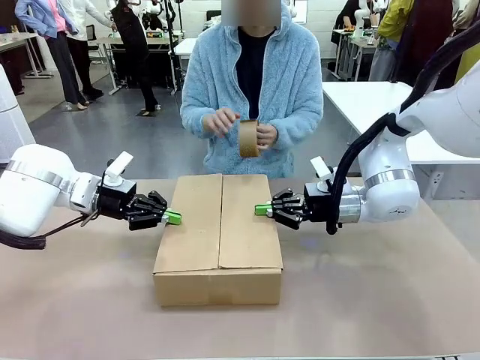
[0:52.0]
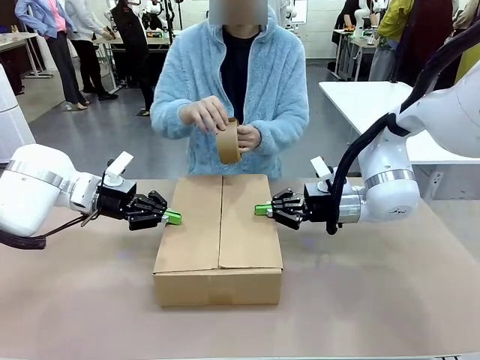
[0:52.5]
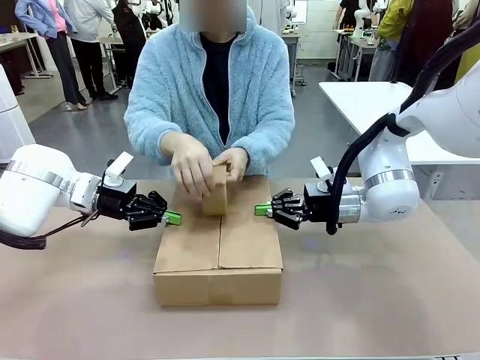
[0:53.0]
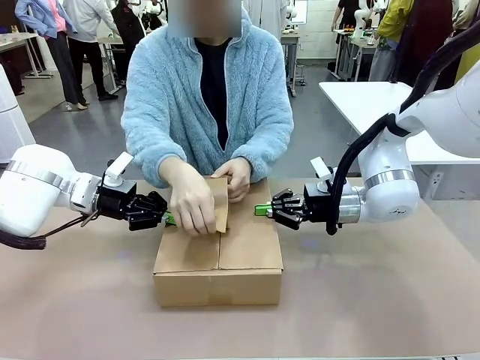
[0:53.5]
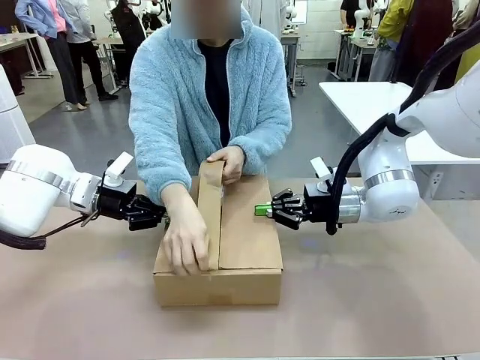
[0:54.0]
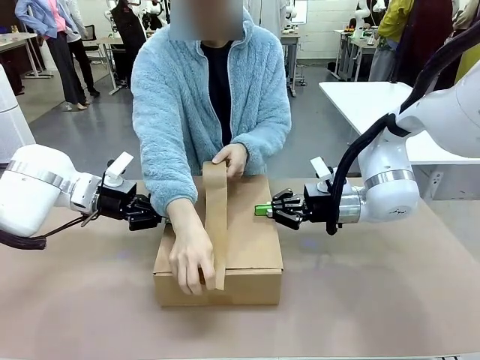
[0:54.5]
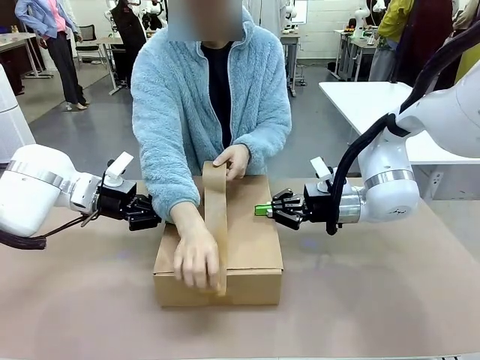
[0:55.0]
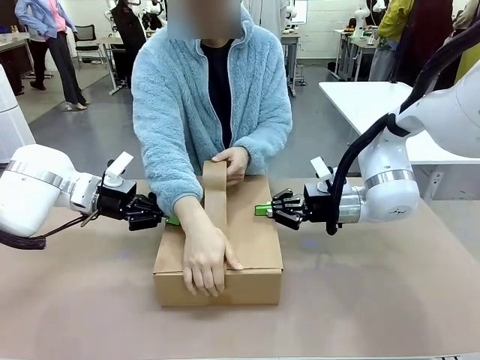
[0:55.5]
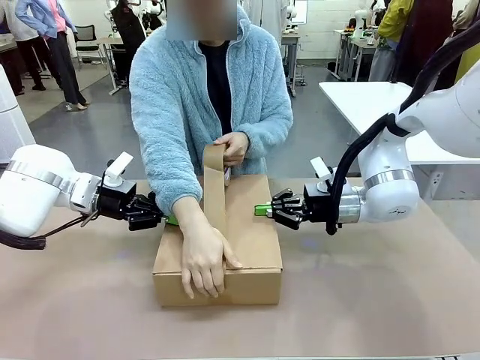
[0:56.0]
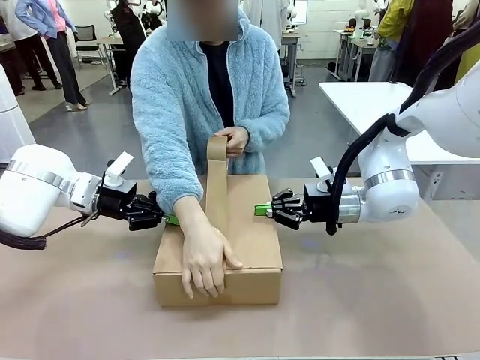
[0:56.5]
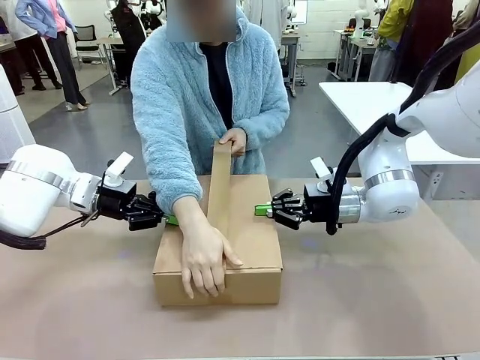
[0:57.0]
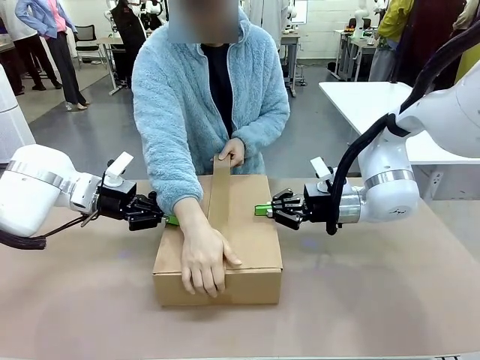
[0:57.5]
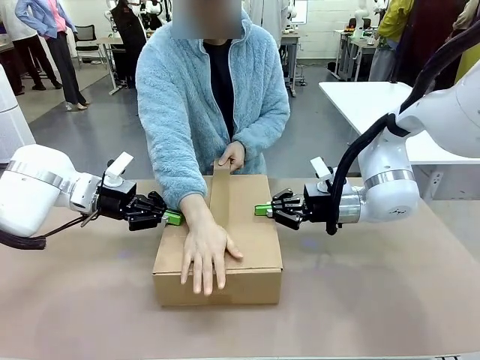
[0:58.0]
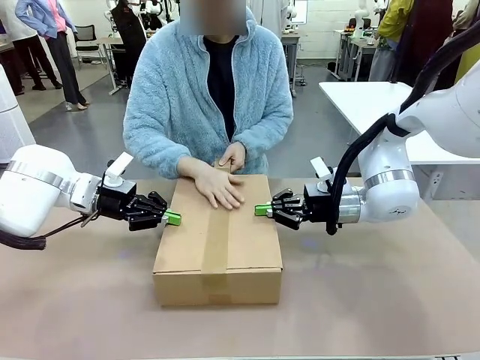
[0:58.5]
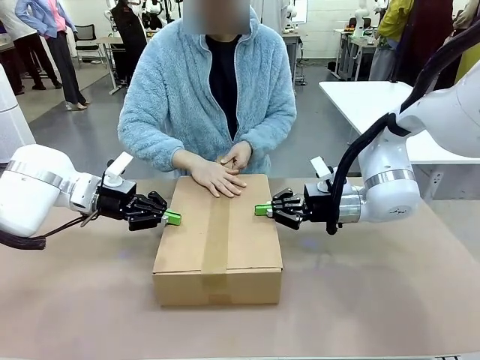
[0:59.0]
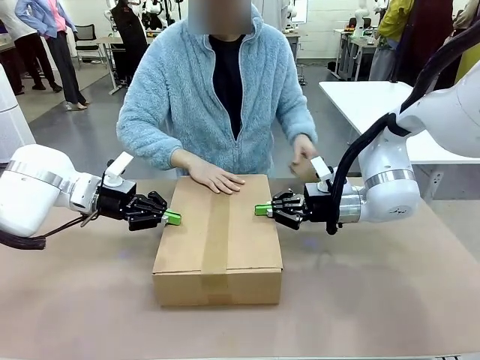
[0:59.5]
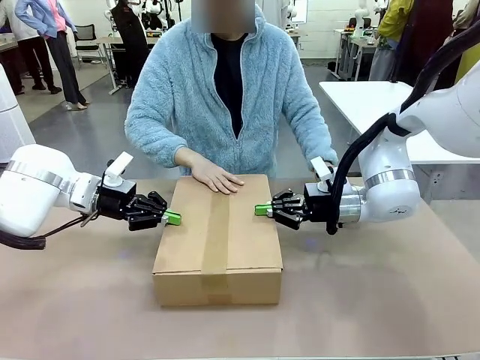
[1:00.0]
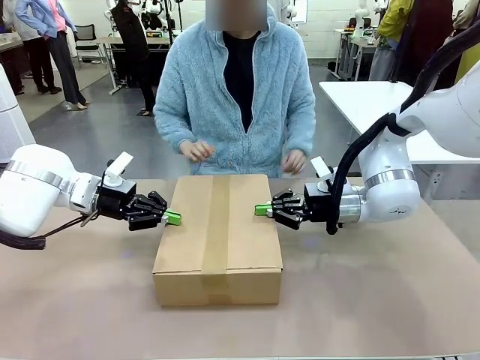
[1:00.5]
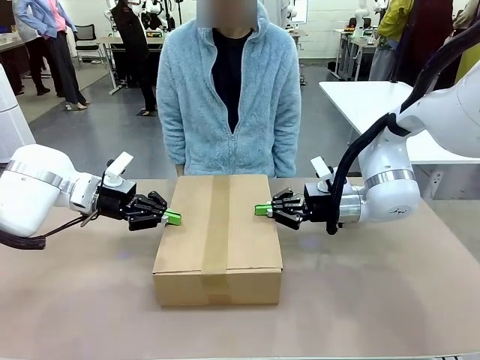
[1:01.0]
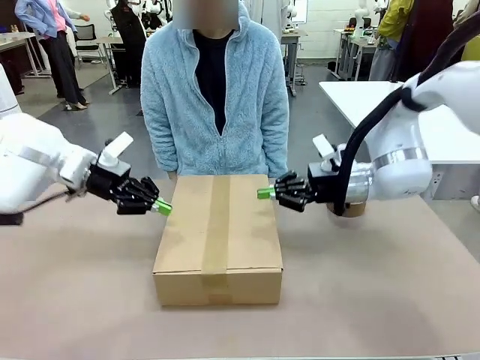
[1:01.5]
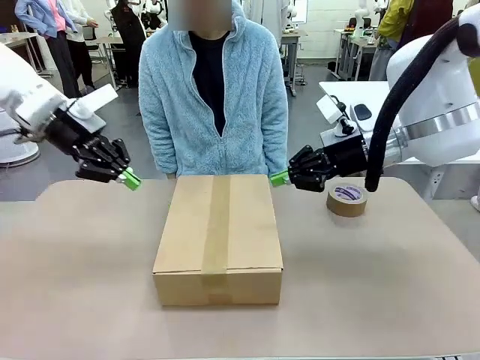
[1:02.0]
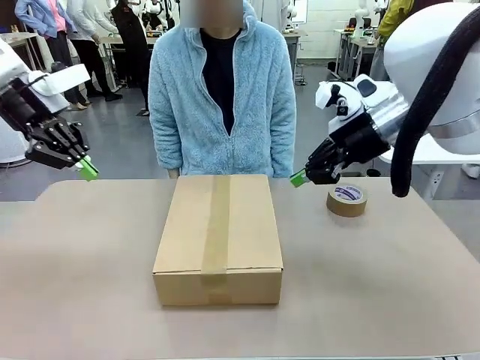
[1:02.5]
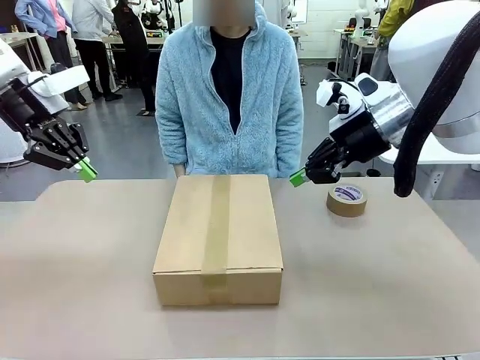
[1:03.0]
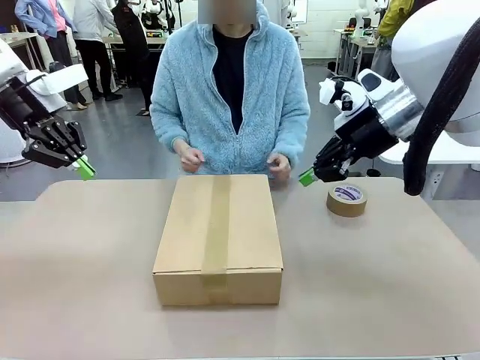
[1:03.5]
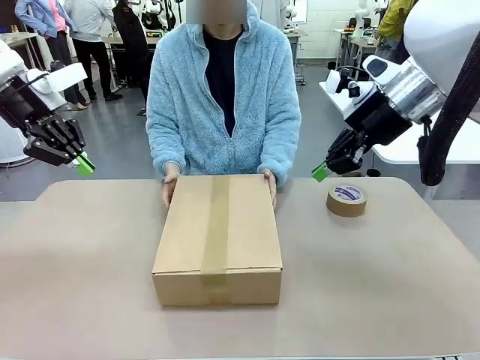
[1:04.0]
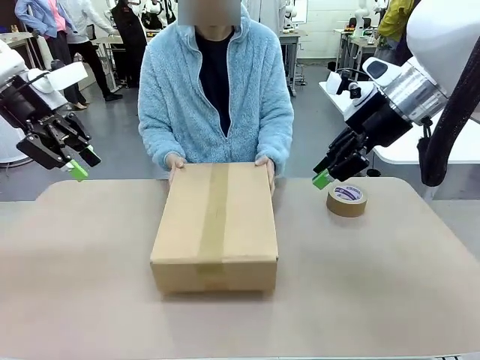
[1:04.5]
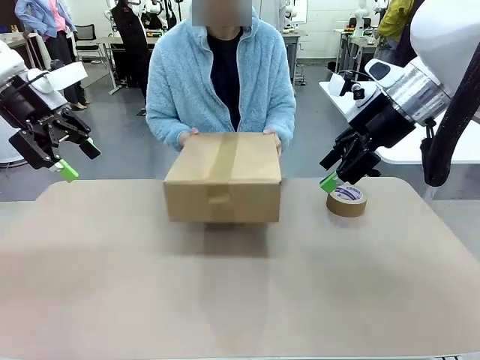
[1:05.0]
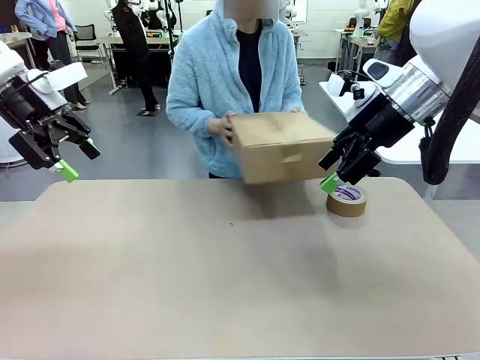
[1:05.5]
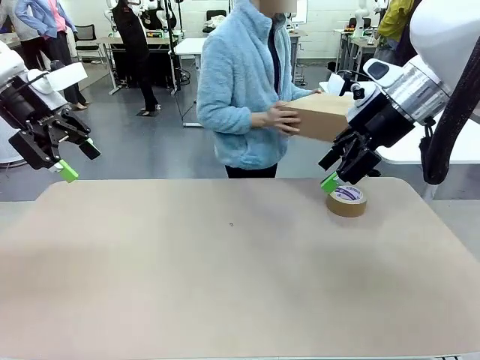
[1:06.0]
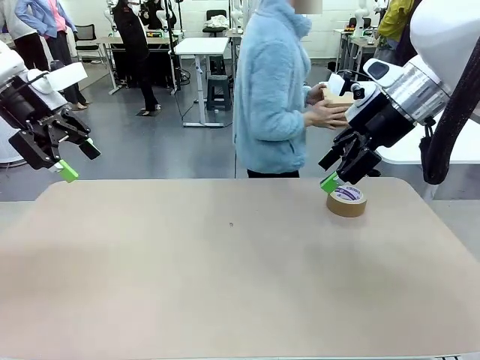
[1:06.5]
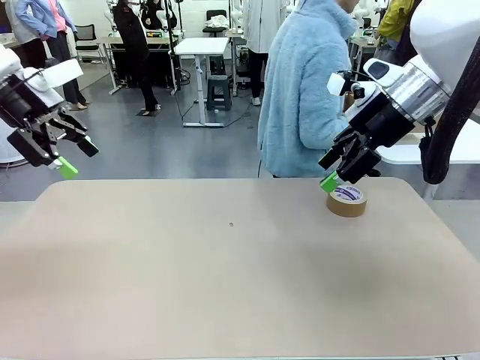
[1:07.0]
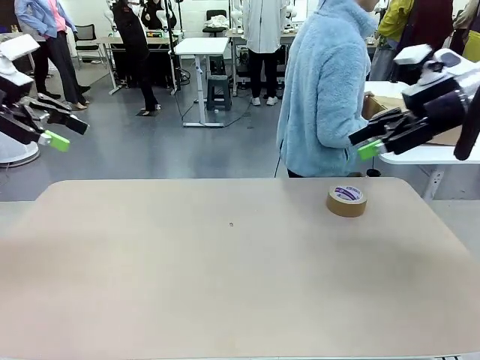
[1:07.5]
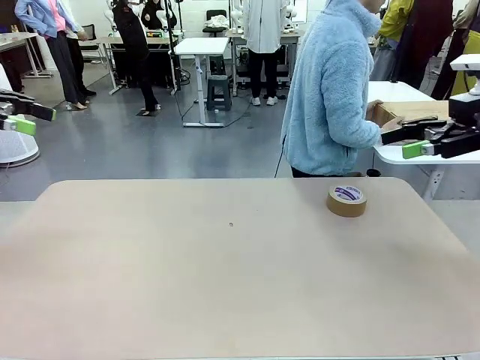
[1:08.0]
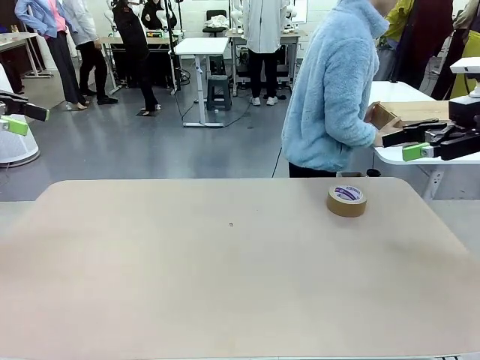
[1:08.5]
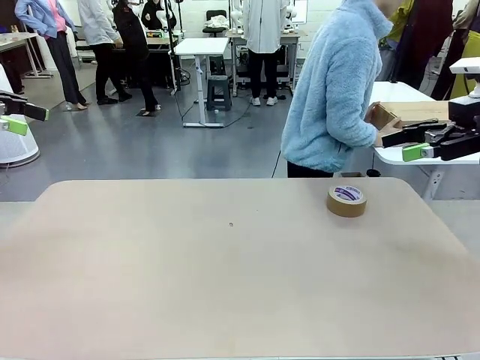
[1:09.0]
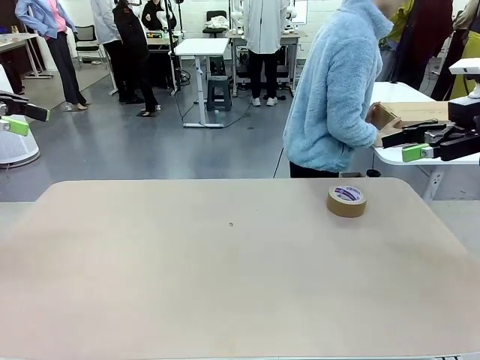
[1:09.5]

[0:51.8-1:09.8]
Task: Wrap the clocks to prevent damage.
Robot: After the human seals the box with tape, release both hands from the side flaps of the Package Box.
Person: Once the robot closes the left flap of the Package Box , seal the box with Paper Tape. Place sealed Package Box in the middle of the human's table.

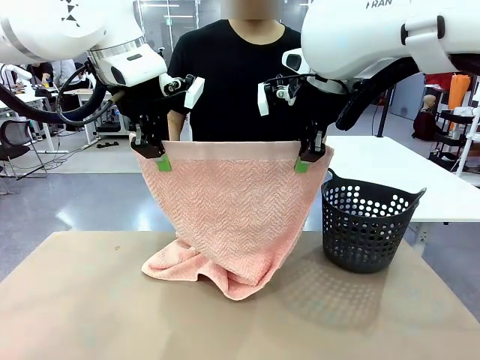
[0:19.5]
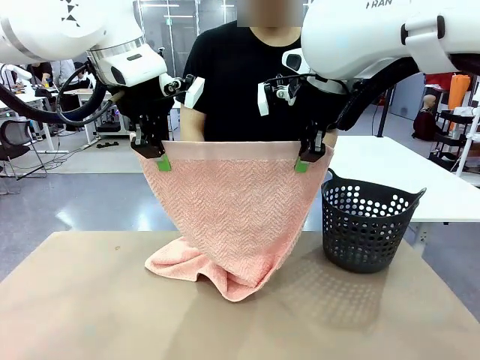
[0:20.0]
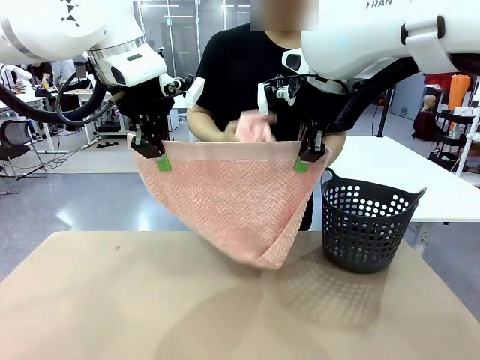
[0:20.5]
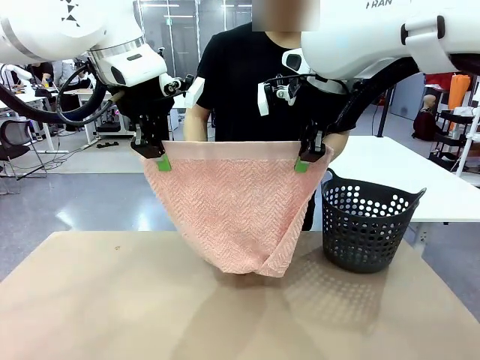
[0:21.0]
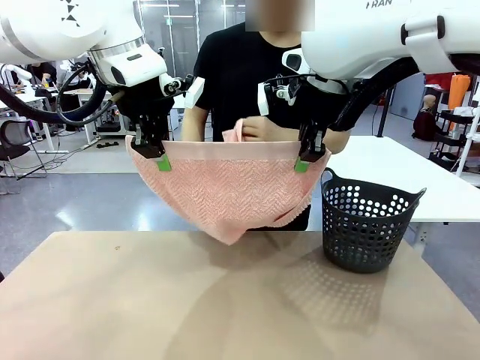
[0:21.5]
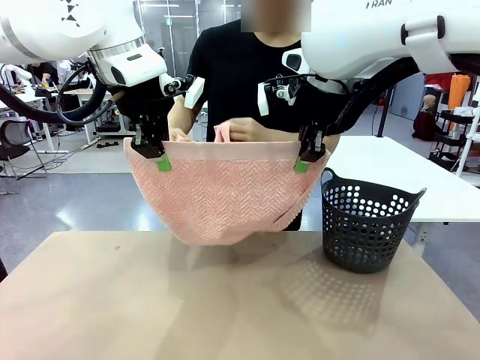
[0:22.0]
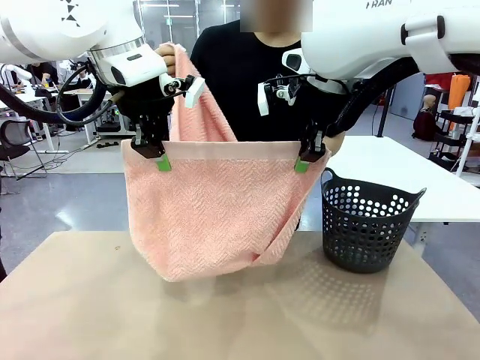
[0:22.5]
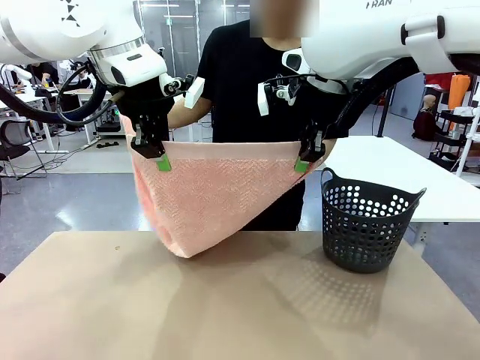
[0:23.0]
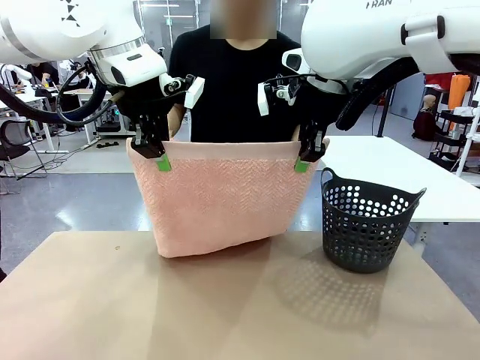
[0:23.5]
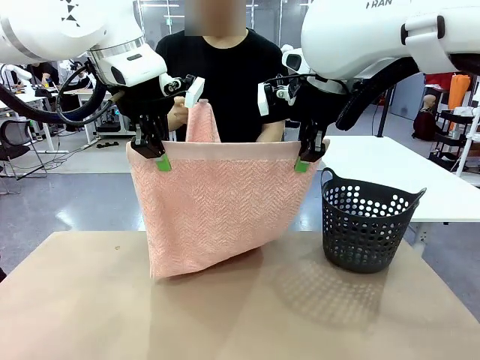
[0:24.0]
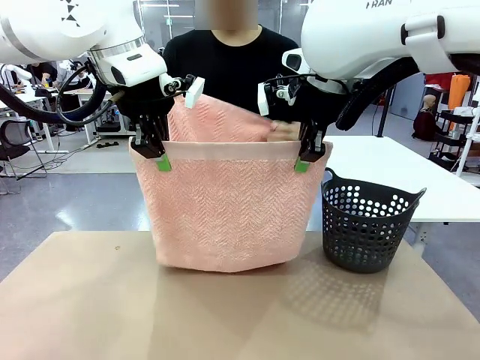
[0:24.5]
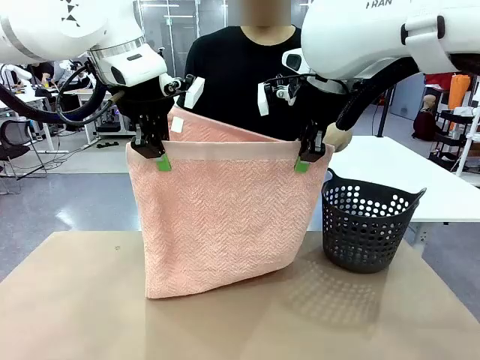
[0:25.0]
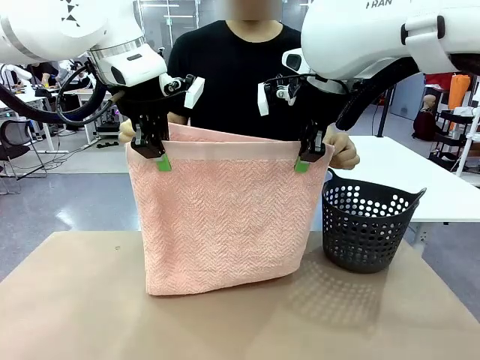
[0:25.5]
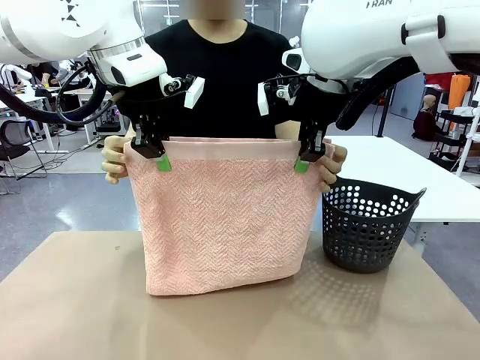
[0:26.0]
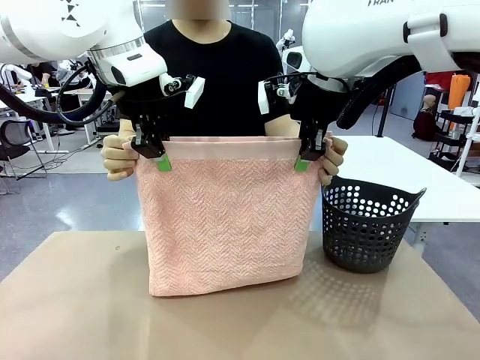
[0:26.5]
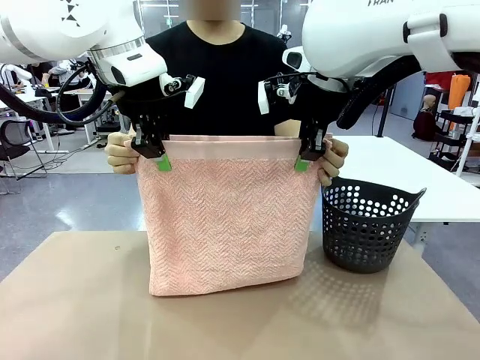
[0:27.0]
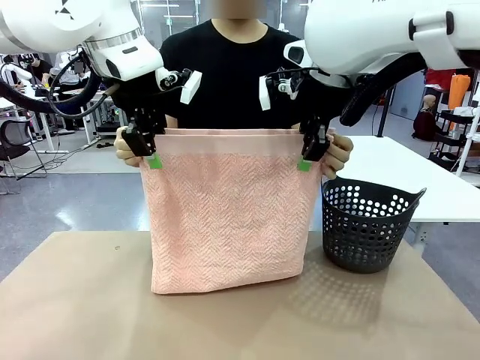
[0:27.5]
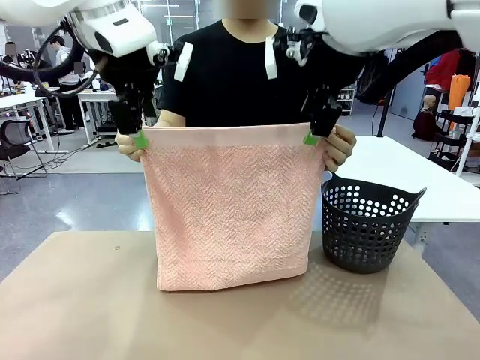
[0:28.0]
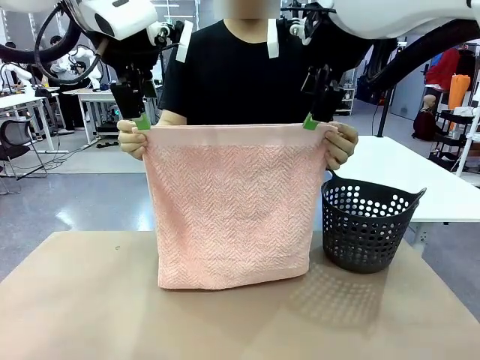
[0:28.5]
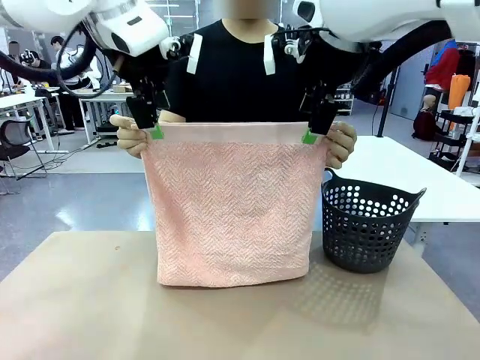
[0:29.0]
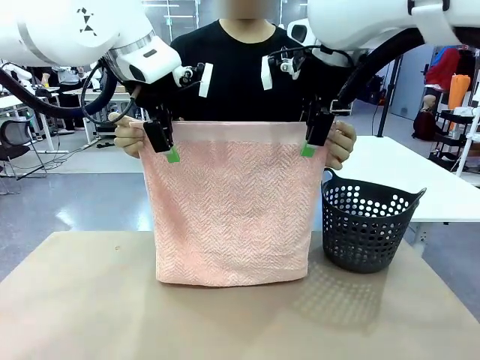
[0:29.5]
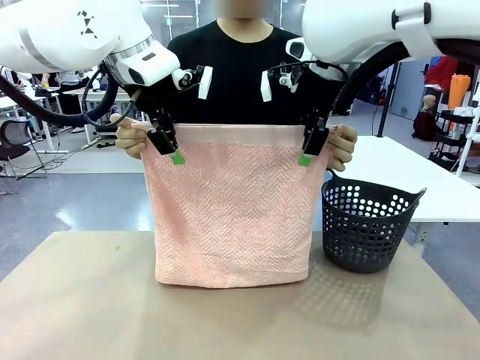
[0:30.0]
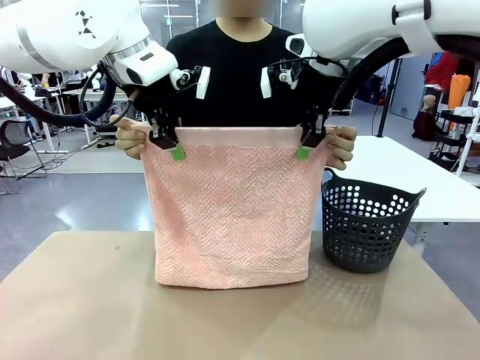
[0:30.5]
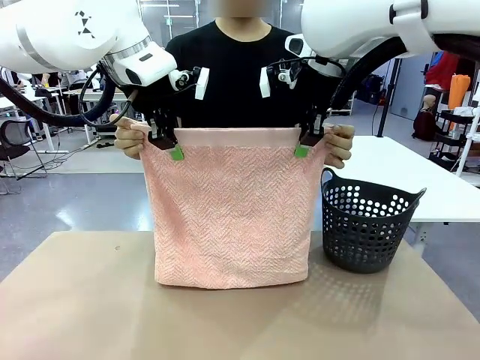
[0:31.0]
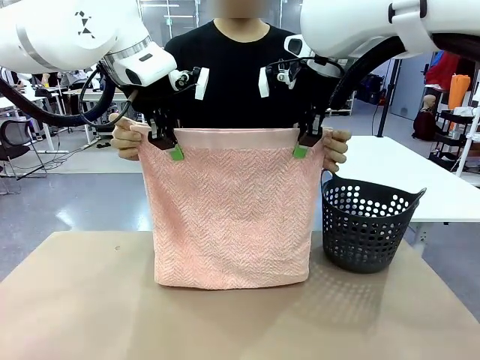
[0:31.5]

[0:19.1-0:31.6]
Task: Fold the towel.
Robot: Release the end of the 100 cm Hotel Towel you were holding and grab the top end of the folded side.
Person: Using the point held by the robot as a reference, grasp the opposite end, fold the towel in half, and then hold both ends of the folded towel.
